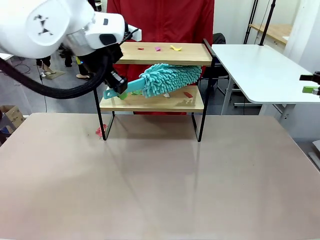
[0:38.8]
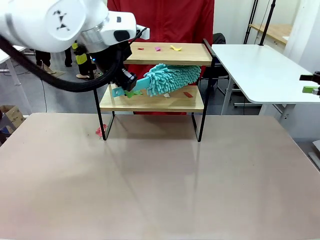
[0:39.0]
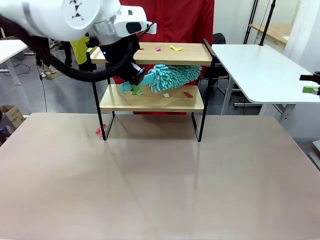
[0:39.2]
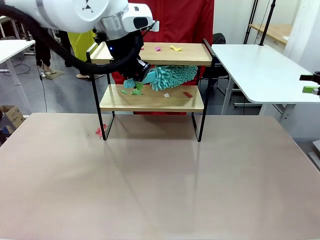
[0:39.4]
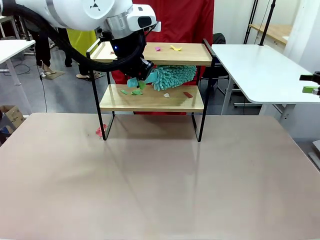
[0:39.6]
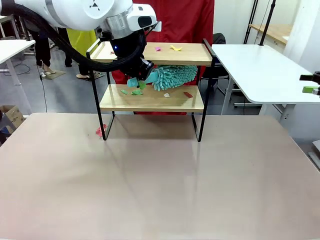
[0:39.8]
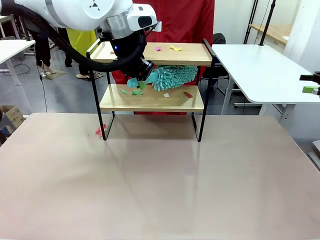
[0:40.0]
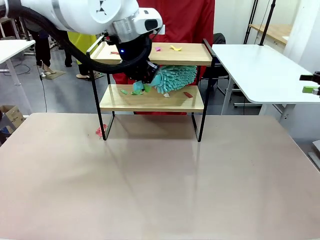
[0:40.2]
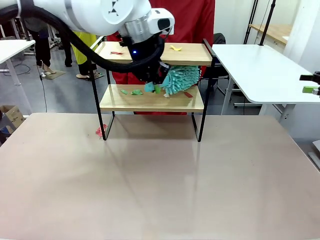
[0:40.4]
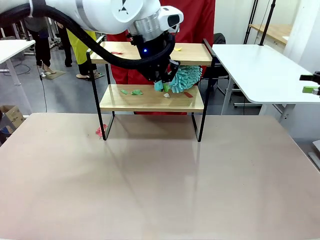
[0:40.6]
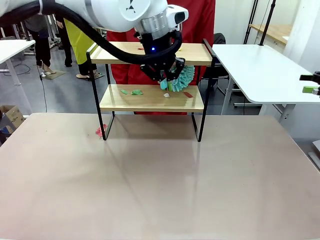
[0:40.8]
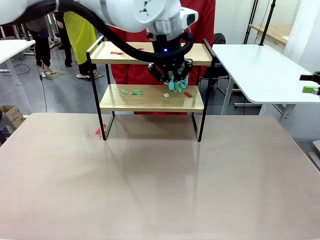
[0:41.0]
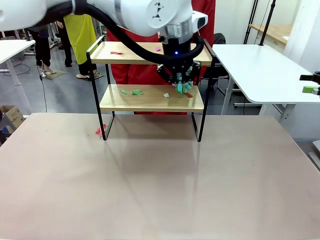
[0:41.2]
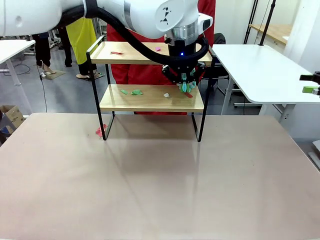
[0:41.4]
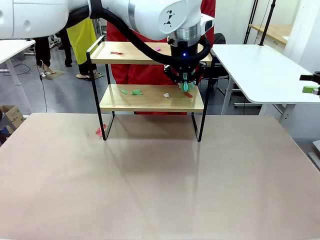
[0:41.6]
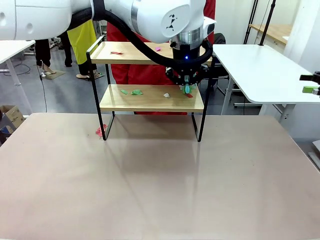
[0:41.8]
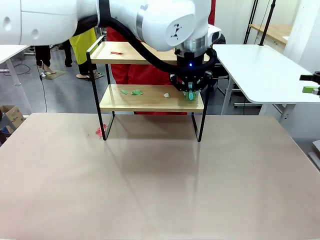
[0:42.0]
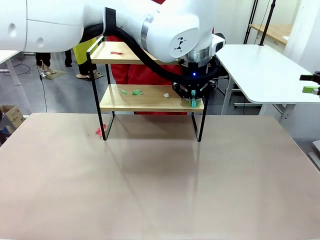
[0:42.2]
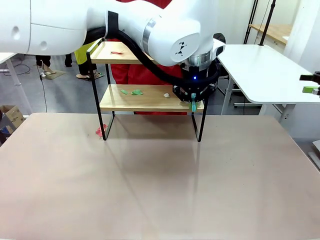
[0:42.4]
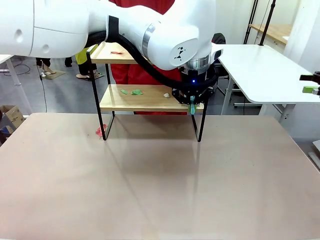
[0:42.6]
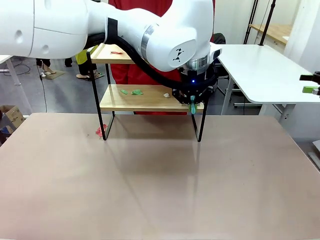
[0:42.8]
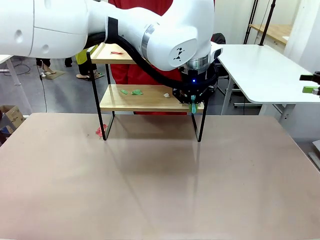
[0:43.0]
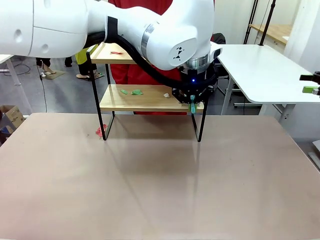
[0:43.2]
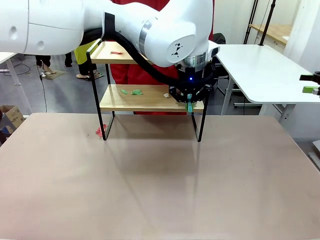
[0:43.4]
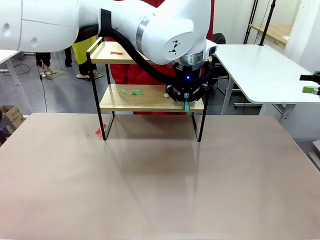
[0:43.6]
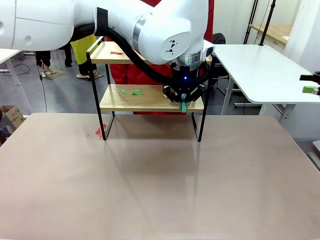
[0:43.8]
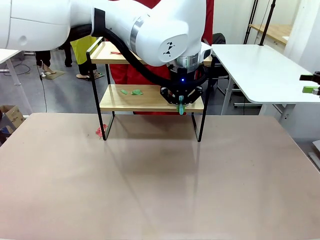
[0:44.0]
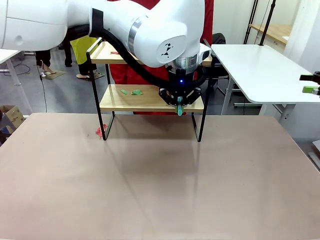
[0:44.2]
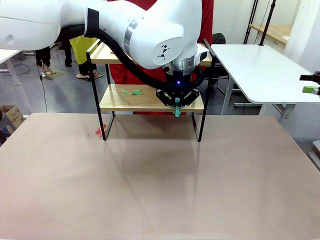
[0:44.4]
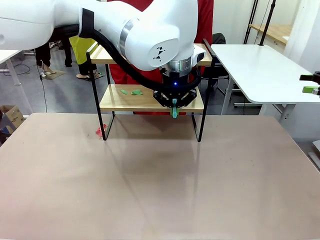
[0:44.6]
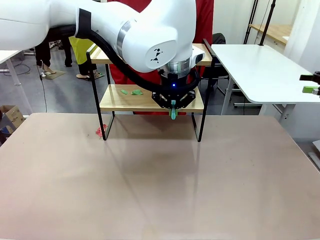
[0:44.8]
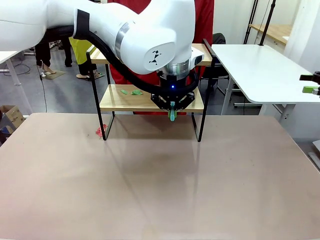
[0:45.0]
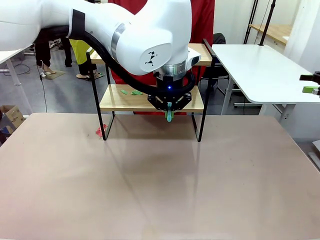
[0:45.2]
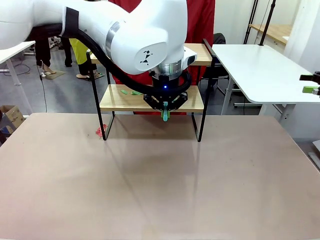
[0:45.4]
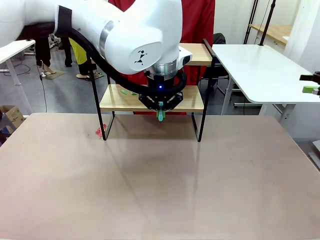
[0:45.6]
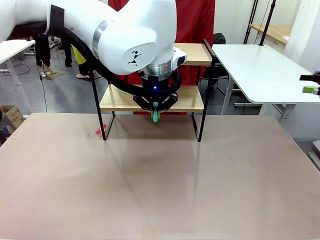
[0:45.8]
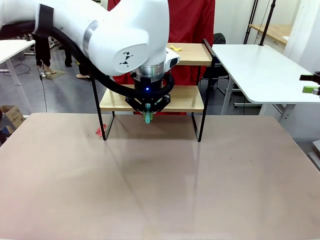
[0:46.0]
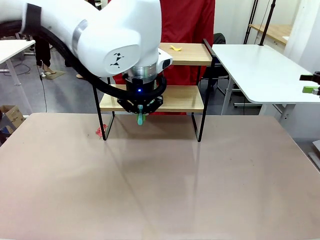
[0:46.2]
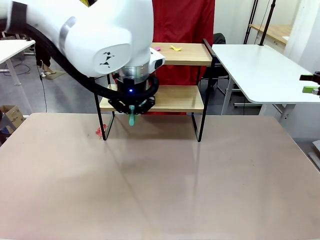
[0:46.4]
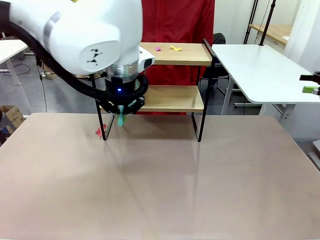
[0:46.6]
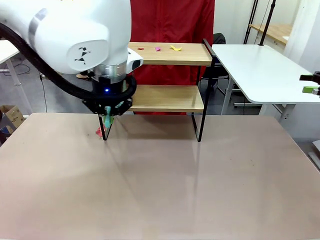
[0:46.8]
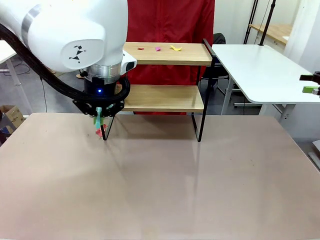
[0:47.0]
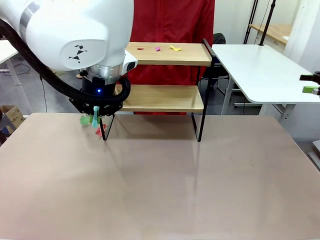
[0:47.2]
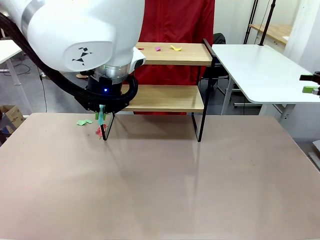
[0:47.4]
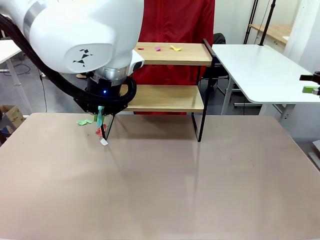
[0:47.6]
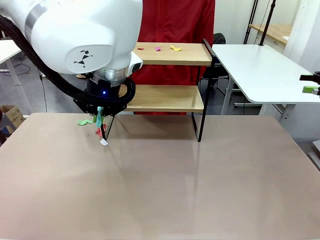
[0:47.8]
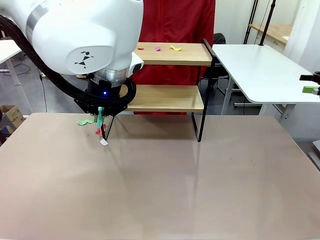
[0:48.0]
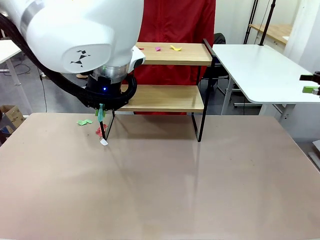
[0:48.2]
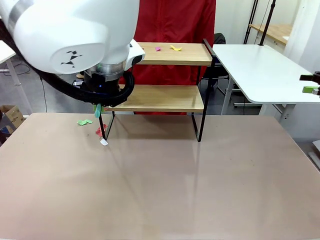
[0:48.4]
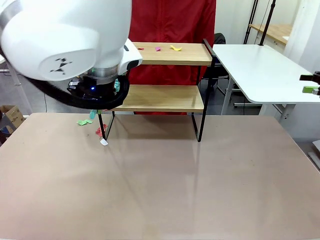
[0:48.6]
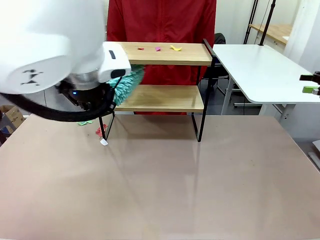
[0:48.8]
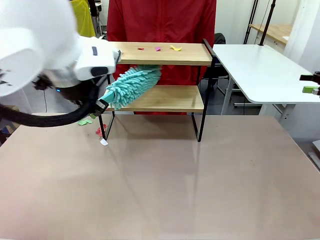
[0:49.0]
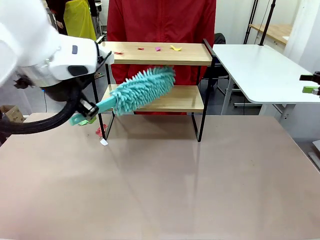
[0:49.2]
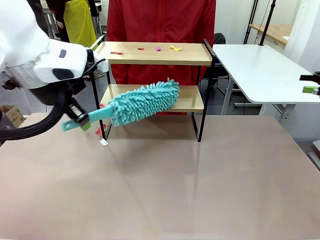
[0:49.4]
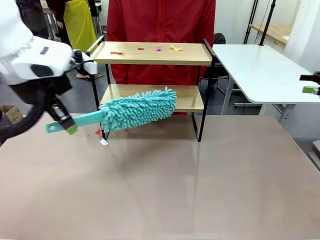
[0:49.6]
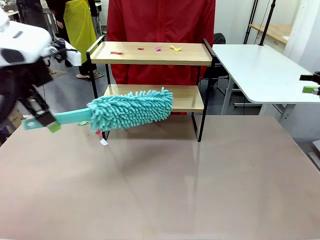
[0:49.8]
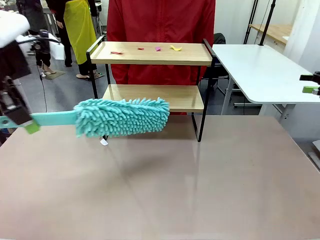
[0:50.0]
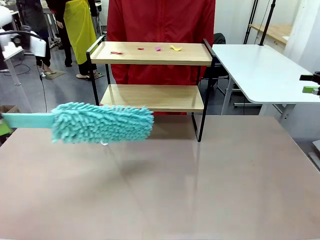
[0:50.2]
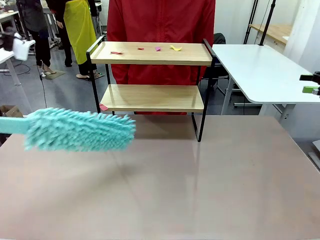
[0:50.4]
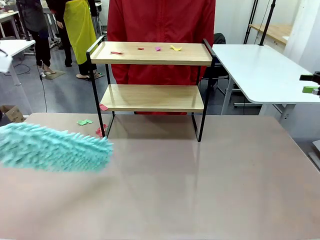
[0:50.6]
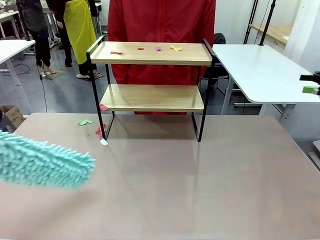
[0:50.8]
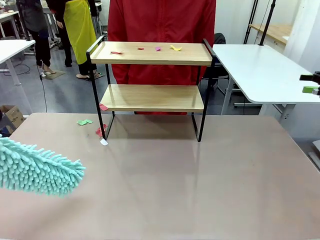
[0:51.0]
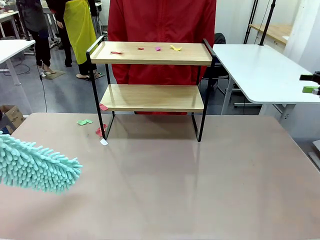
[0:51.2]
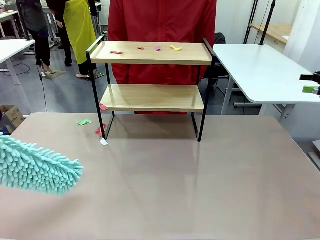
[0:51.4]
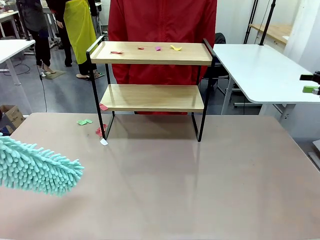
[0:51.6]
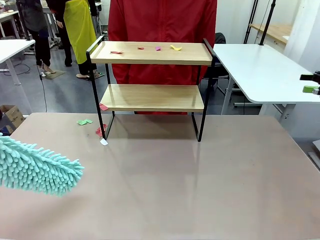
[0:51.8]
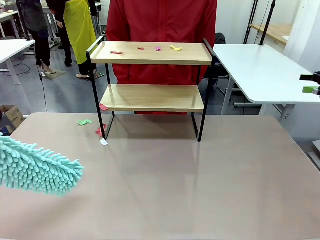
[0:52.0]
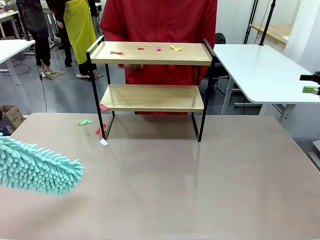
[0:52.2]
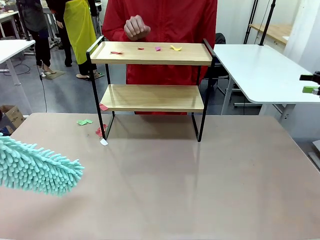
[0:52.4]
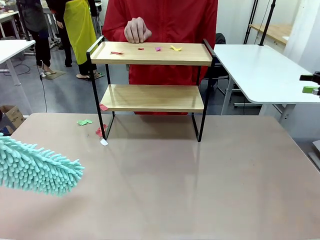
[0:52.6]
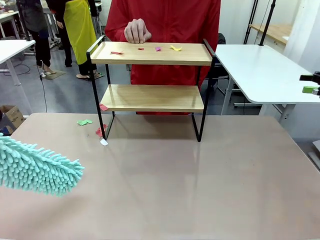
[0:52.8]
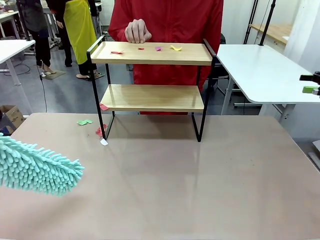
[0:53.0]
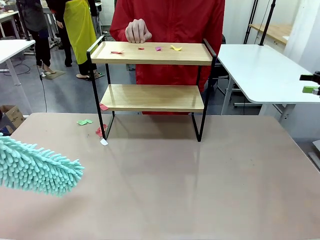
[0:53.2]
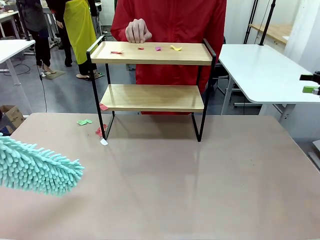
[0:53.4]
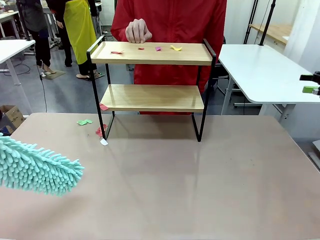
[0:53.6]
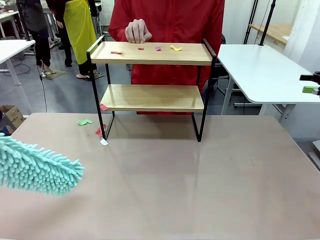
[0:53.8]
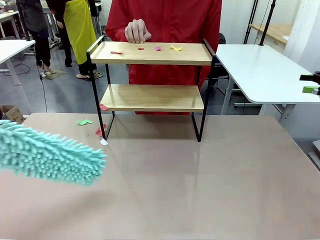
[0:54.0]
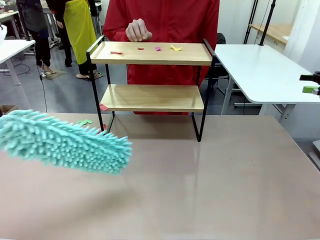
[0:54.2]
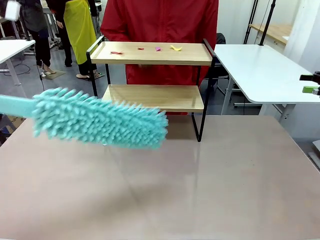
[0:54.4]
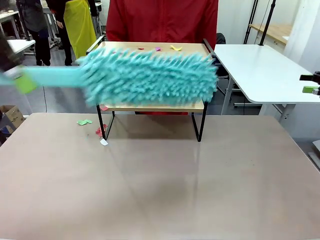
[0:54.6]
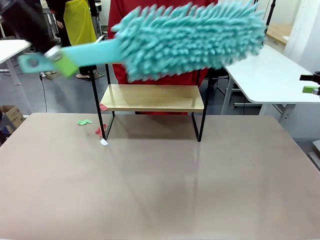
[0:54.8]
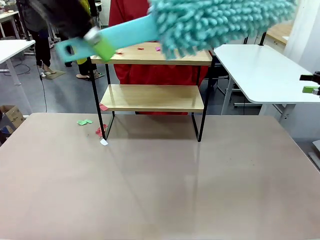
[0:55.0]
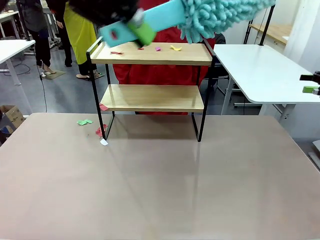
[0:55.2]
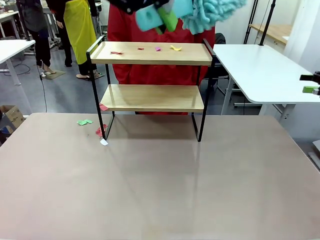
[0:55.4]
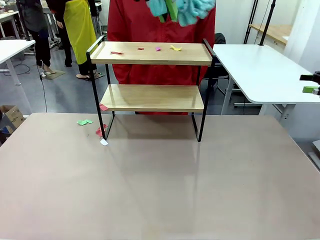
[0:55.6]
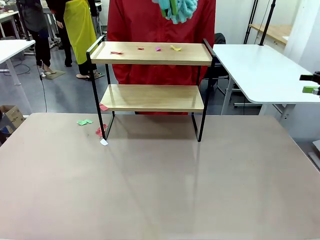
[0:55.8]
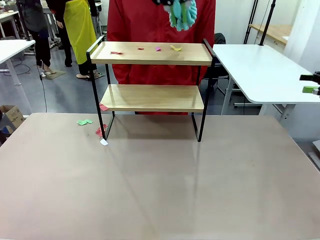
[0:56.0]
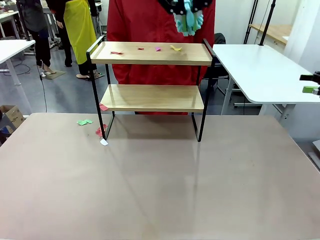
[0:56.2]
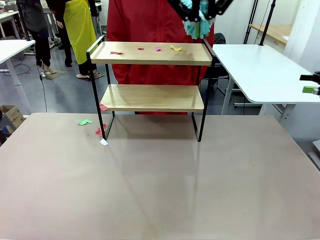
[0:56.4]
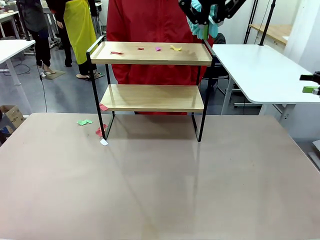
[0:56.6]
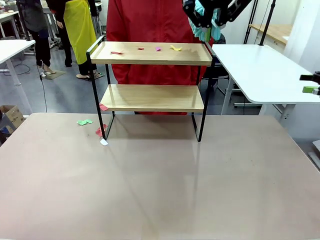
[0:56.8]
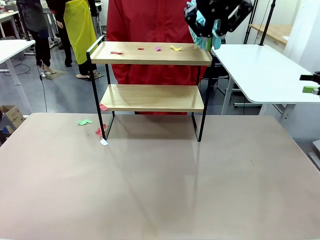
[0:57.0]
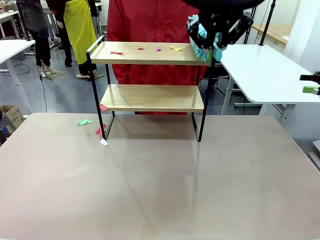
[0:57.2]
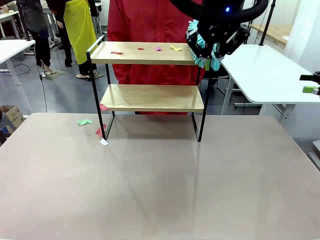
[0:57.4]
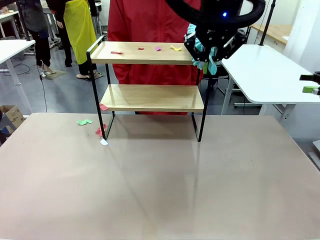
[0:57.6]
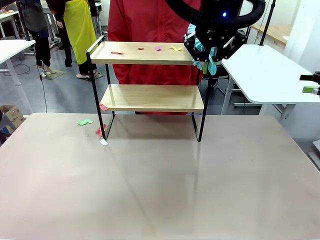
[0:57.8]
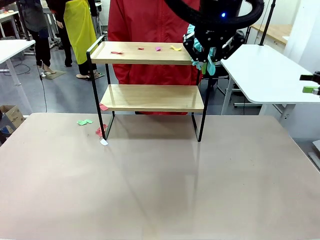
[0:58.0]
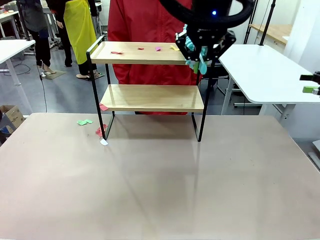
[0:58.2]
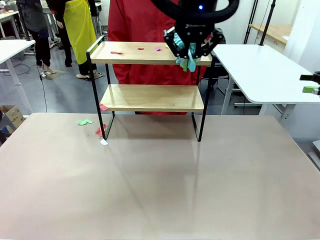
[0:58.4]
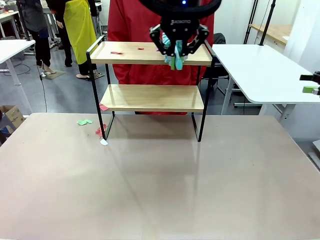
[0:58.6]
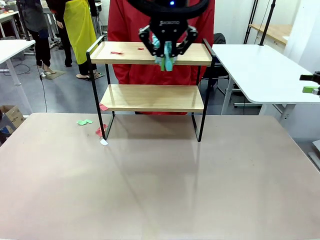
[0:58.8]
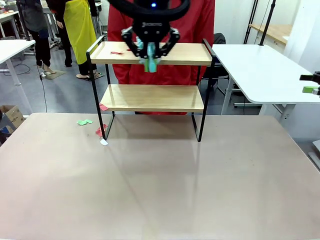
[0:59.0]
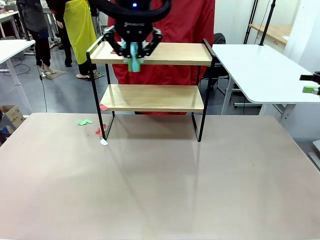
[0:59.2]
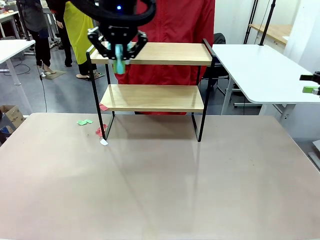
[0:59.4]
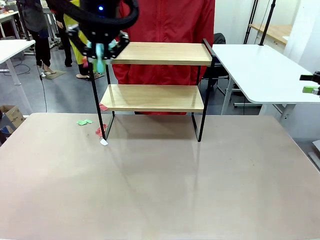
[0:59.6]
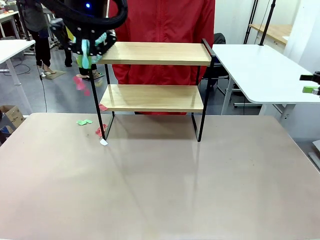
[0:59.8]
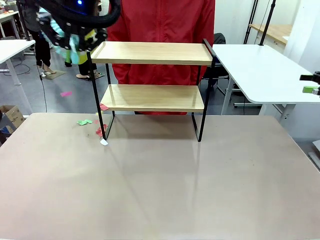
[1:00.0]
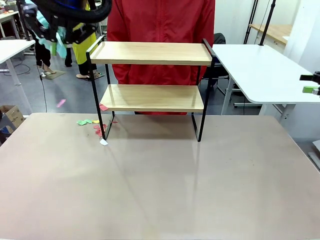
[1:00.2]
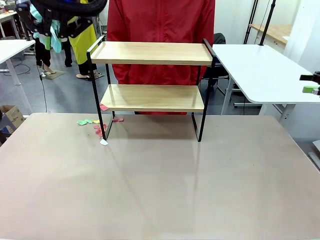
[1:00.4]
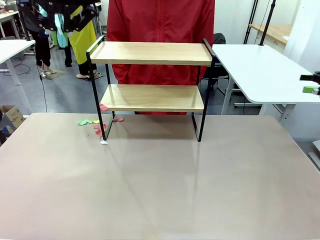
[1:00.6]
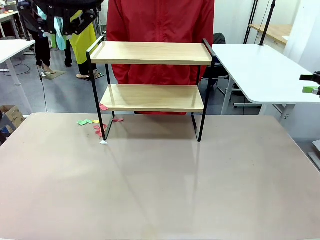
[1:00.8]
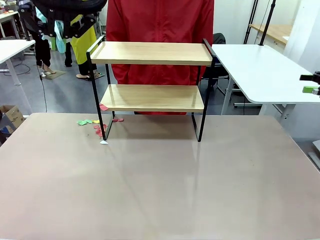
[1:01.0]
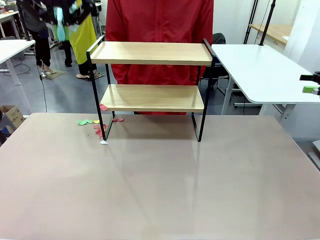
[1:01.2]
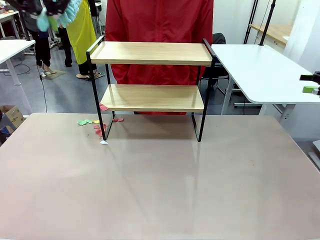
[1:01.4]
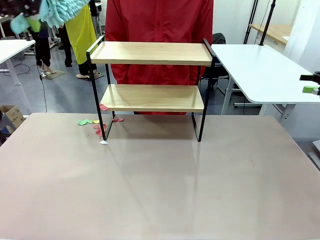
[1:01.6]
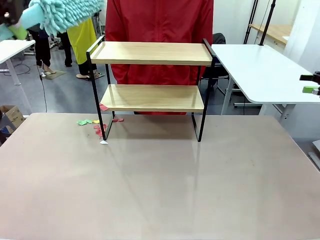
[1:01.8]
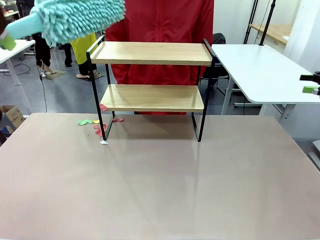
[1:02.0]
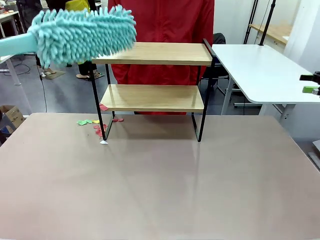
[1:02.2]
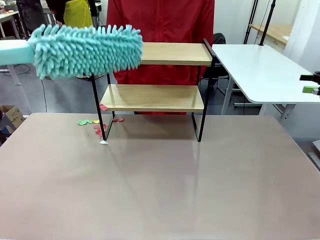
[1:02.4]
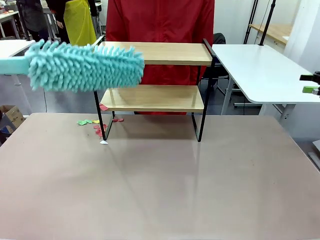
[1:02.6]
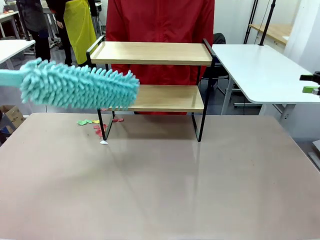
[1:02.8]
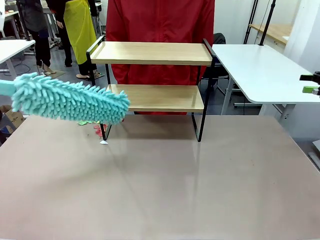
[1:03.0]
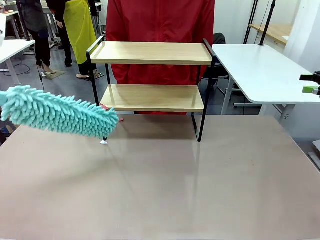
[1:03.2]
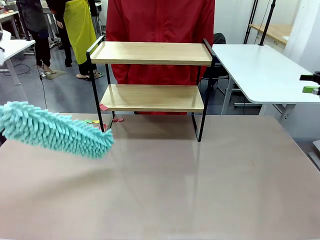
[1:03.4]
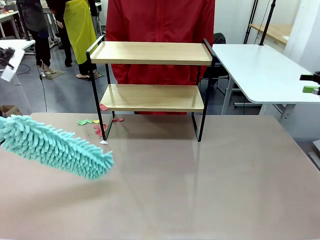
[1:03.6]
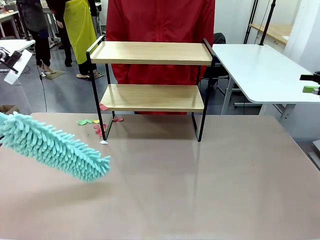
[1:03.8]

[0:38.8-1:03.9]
Task: Clean the shelf.
Robot: Clean the specific section of the Shelf indicated by the human with the Duster.
Person: Point a remaining section of the Shelf.
